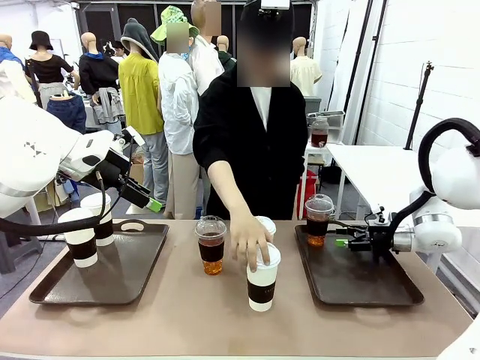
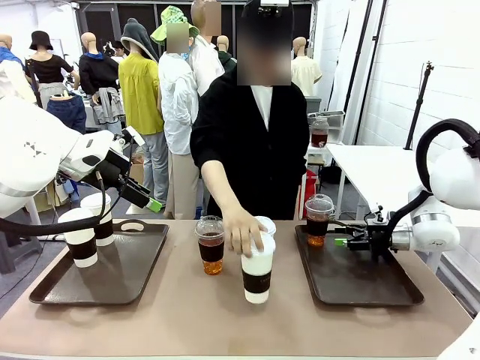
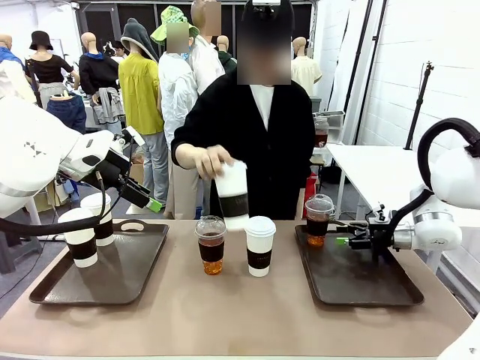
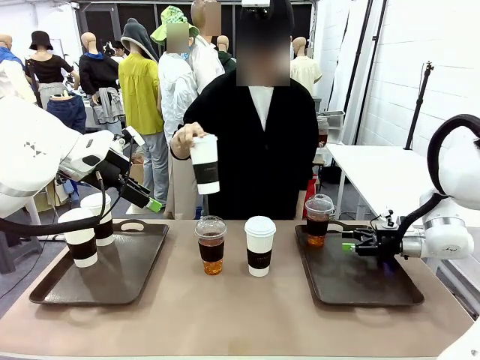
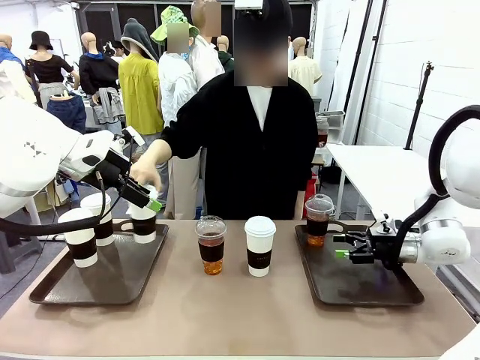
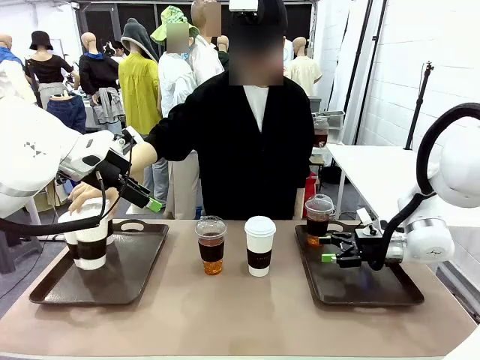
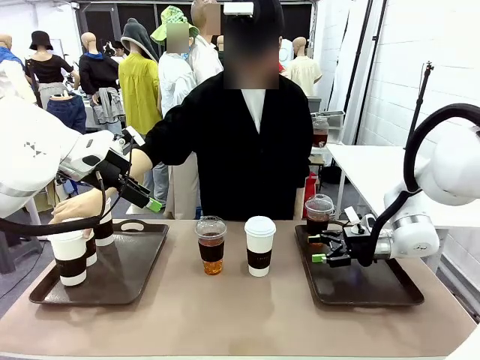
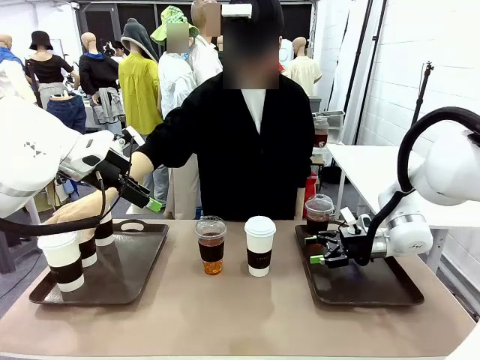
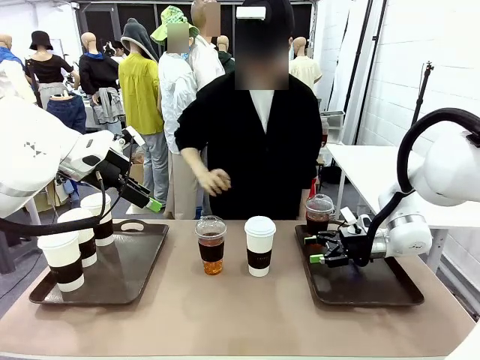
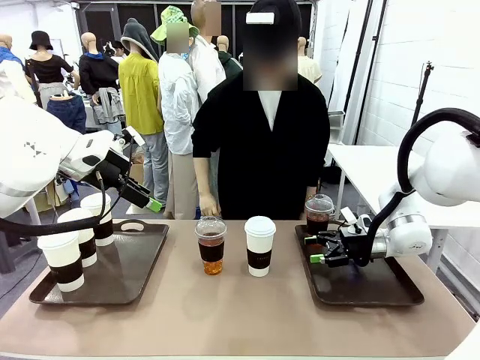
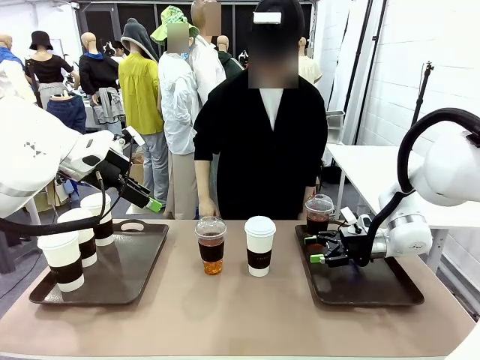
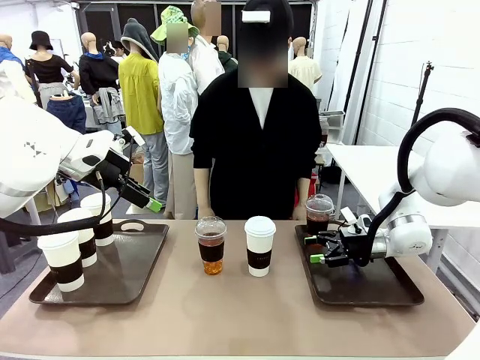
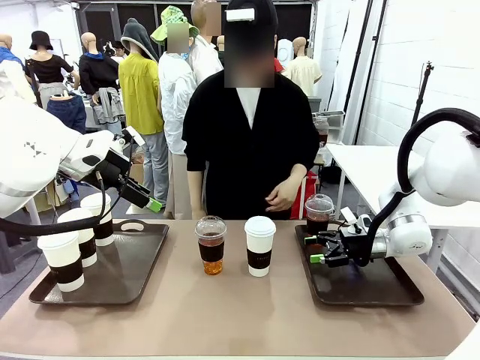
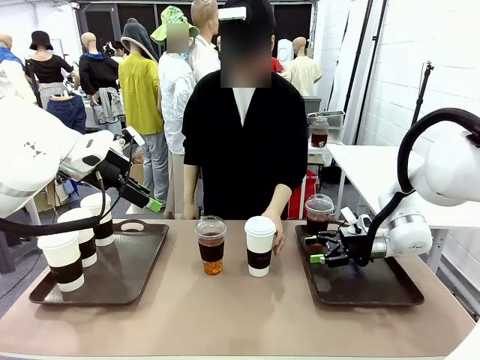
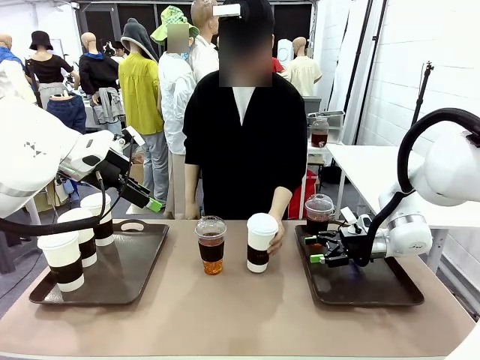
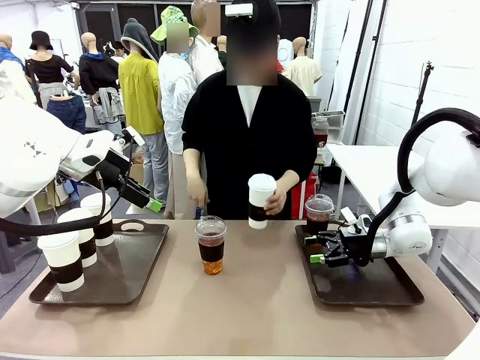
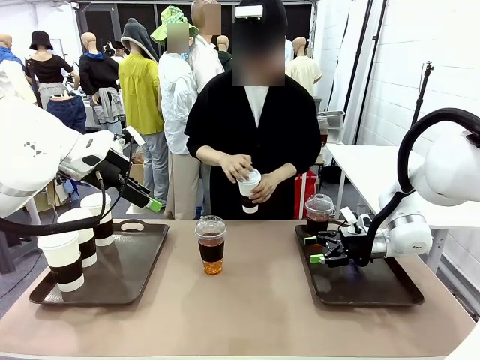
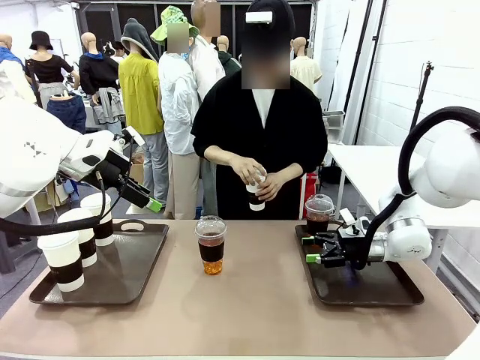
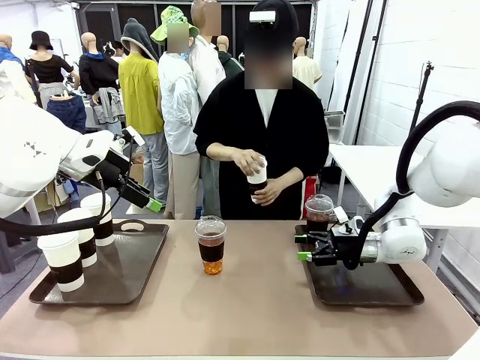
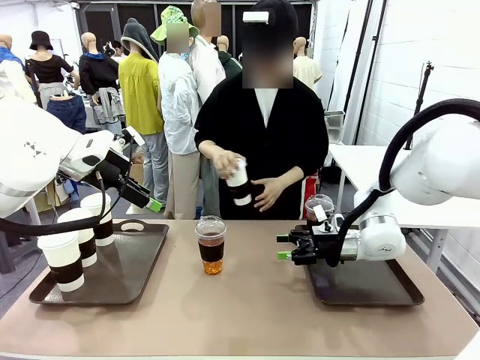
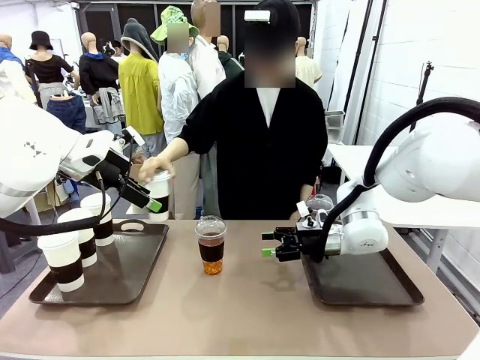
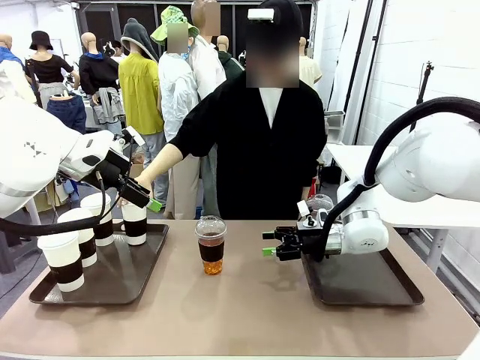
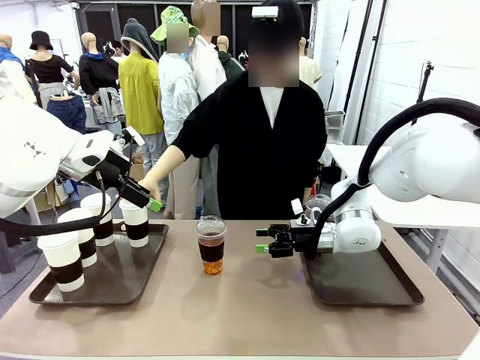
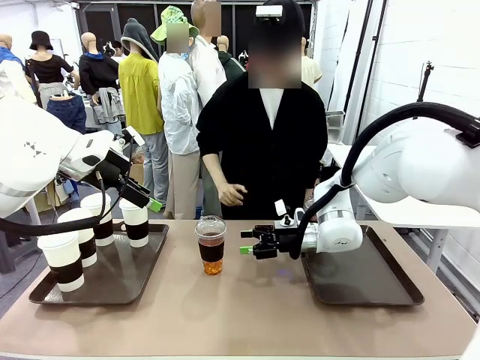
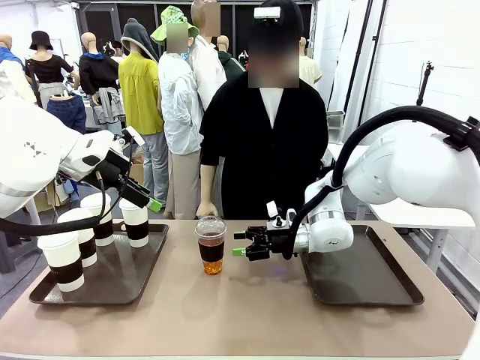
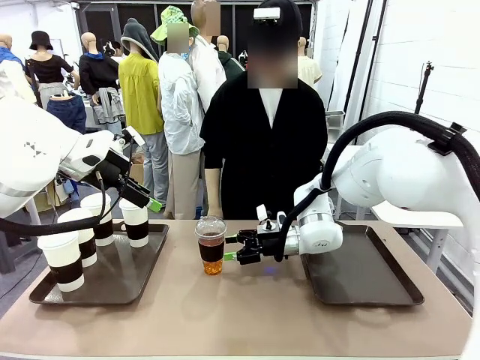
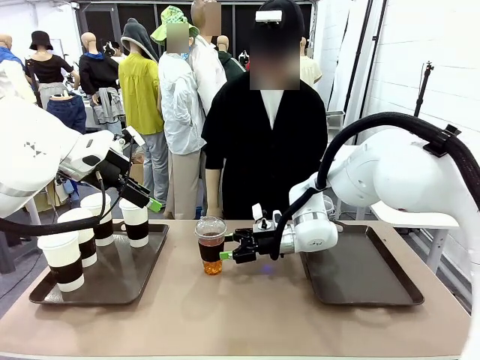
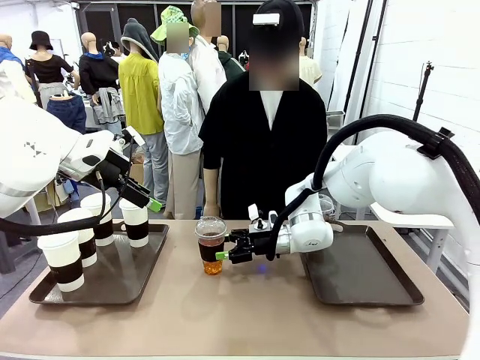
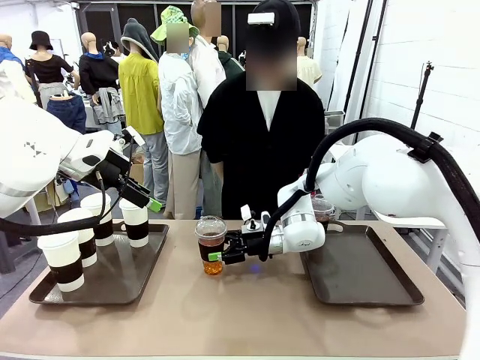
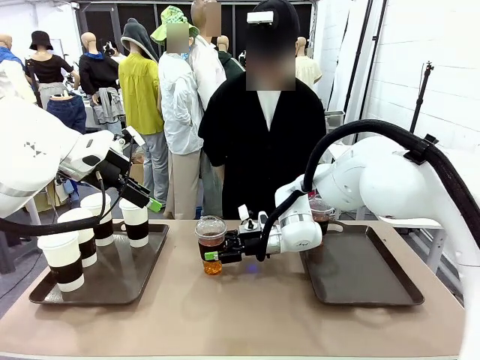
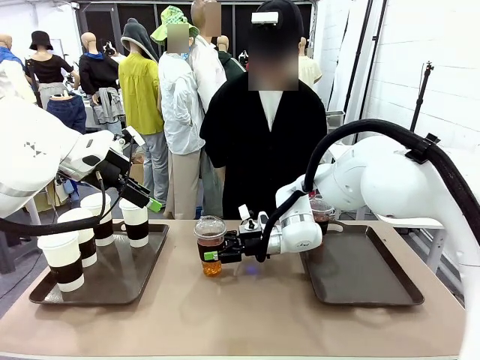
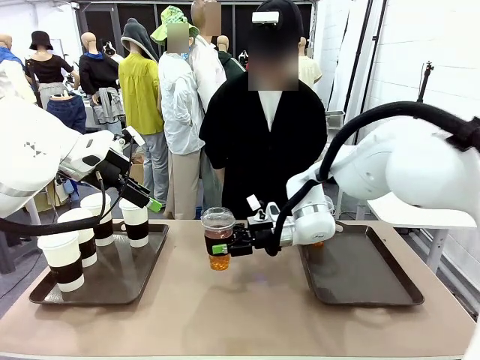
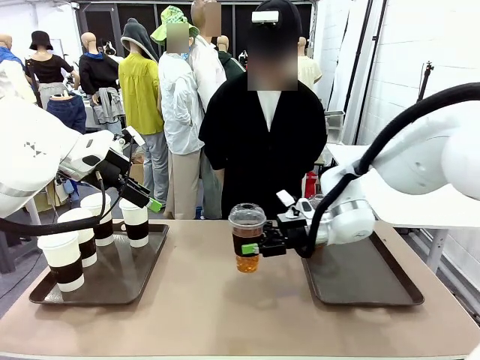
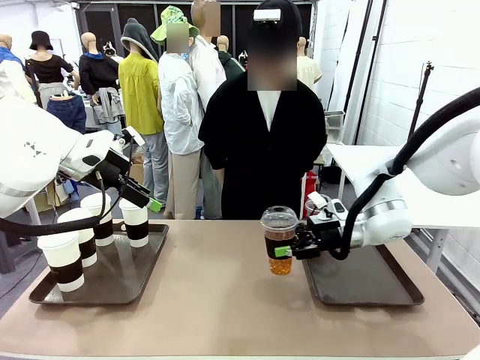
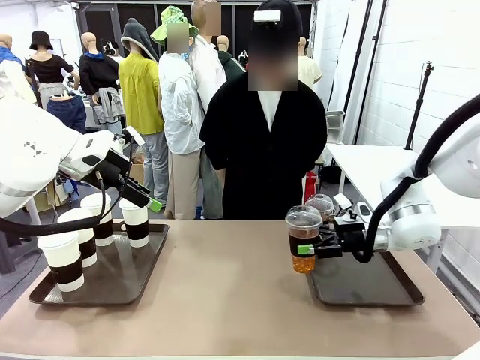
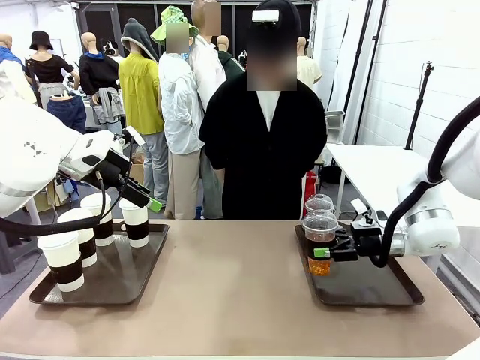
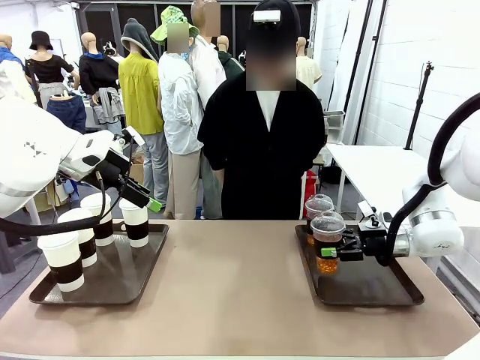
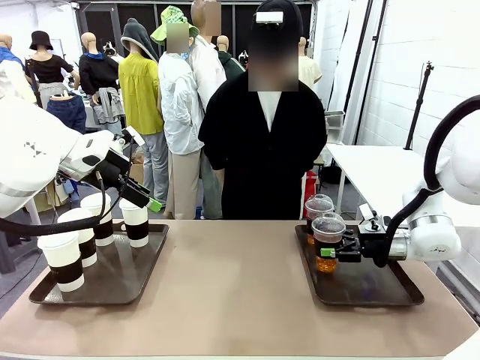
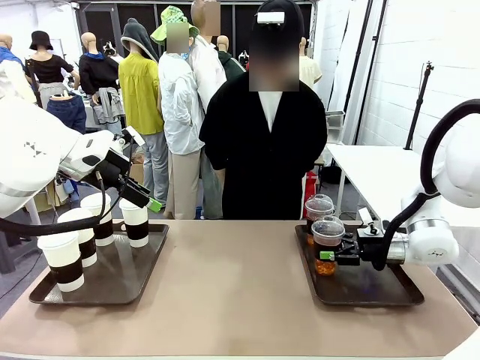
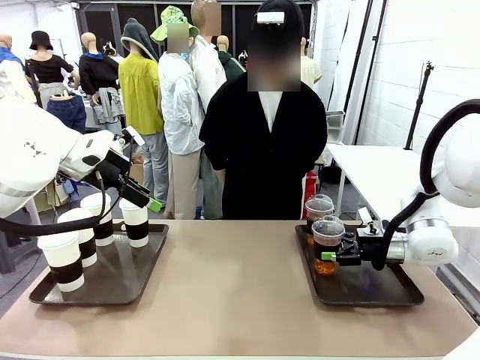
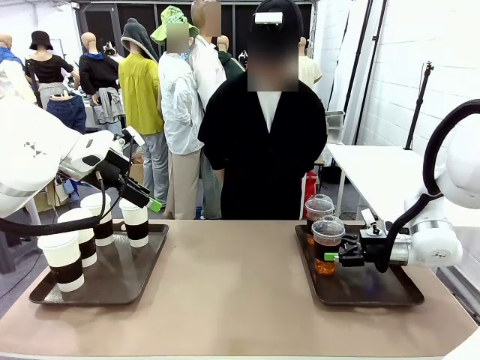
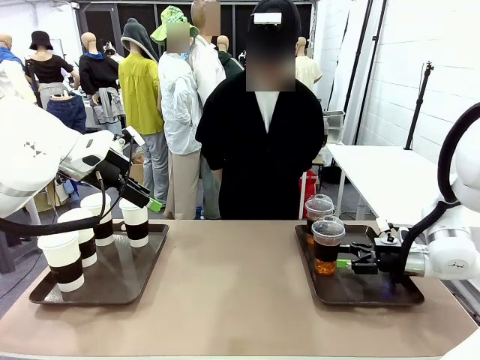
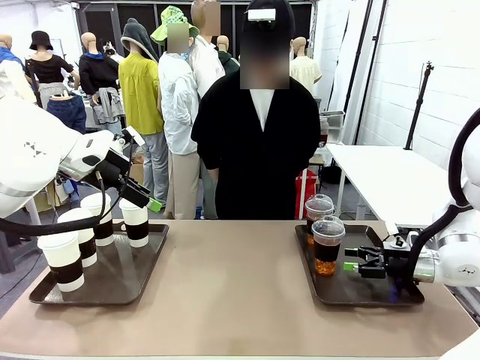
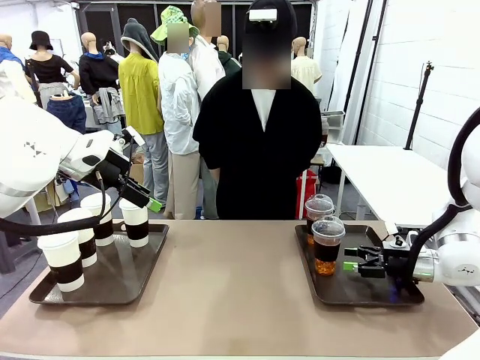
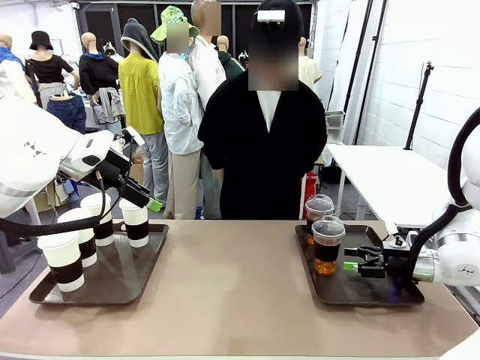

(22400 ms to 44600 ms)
Task: Distribute the coffee onto the tray.
Robot: Pick up another iced Americano from the middle of the table and place it on the right Handle tray.
Person: Pick up a cup of hot Americano from the middle of the table and place it on the right tray.
